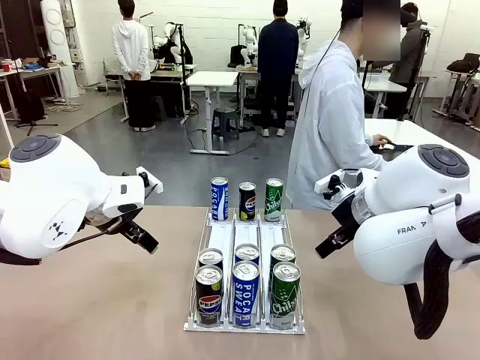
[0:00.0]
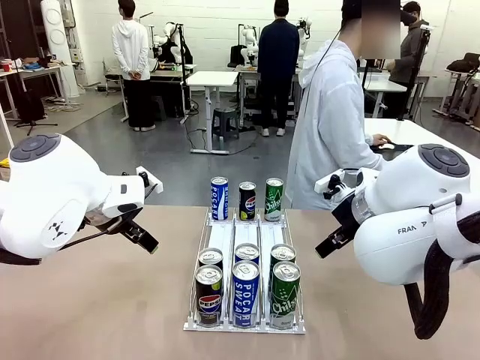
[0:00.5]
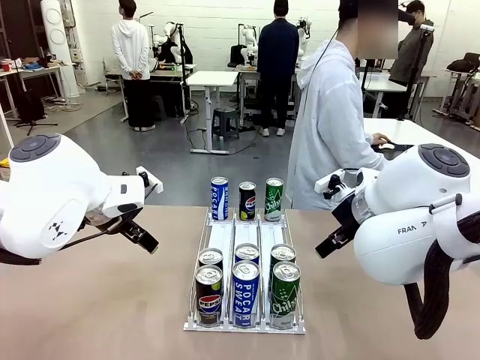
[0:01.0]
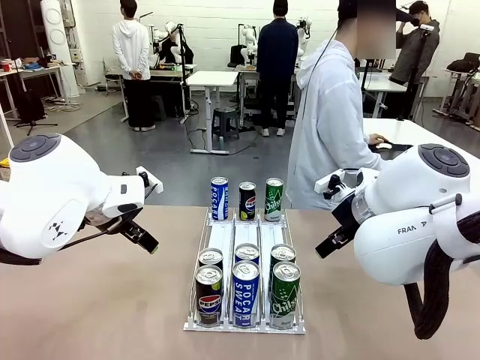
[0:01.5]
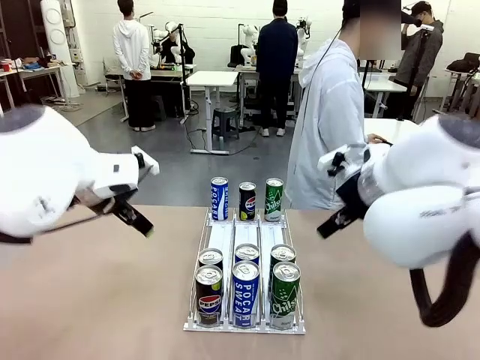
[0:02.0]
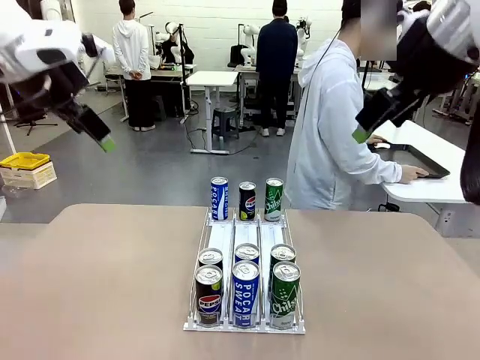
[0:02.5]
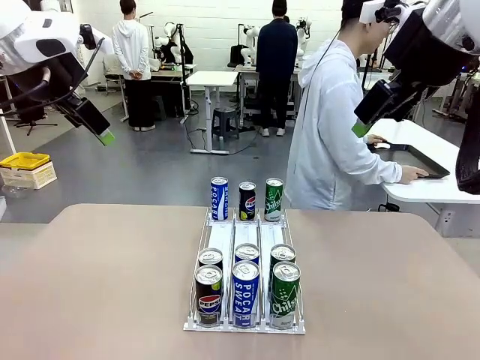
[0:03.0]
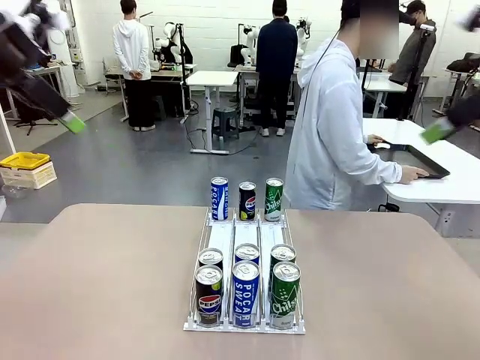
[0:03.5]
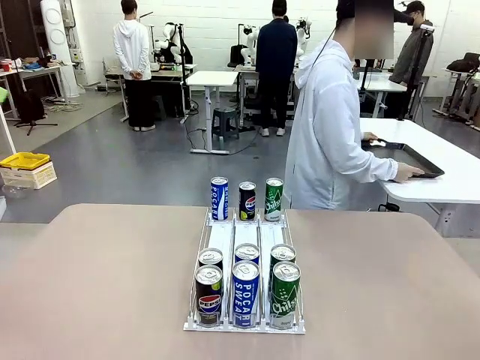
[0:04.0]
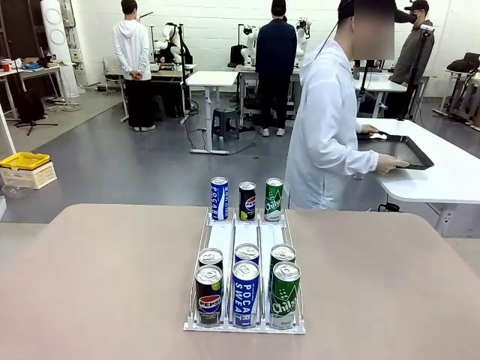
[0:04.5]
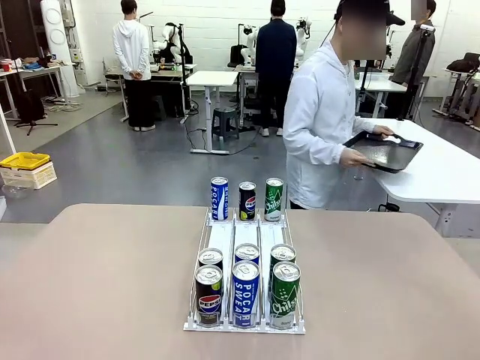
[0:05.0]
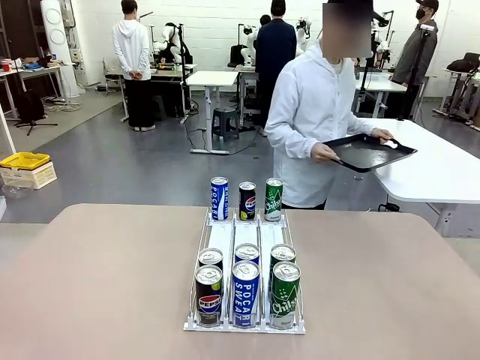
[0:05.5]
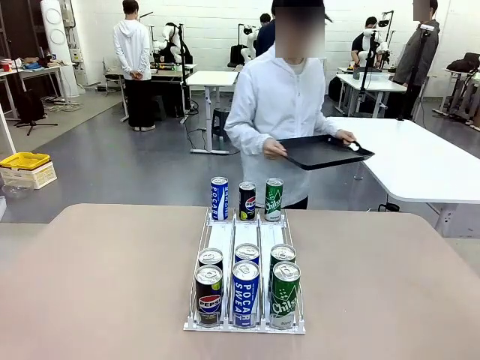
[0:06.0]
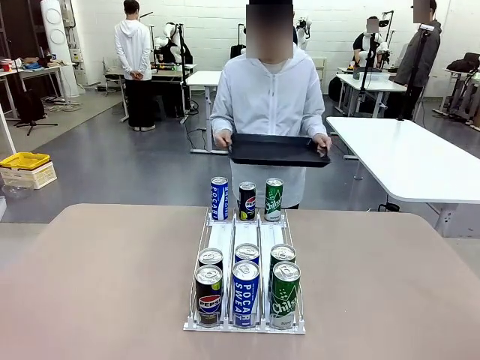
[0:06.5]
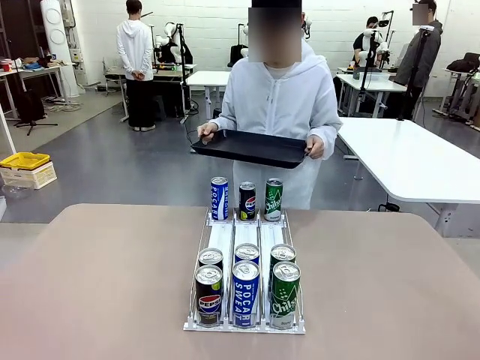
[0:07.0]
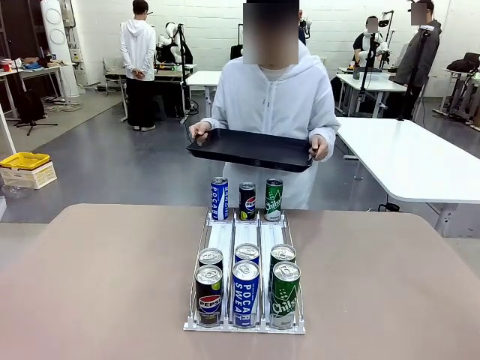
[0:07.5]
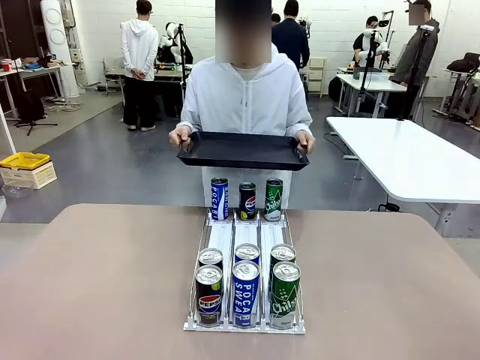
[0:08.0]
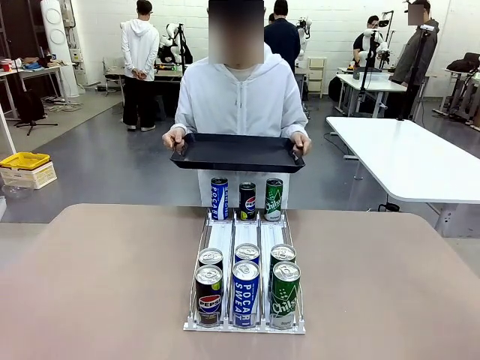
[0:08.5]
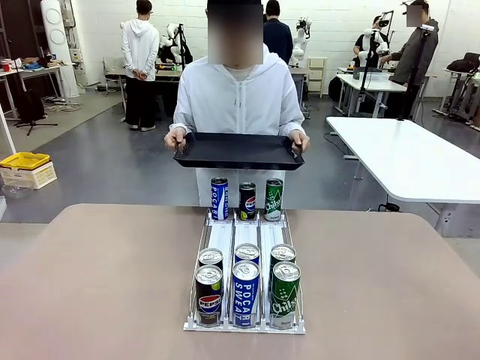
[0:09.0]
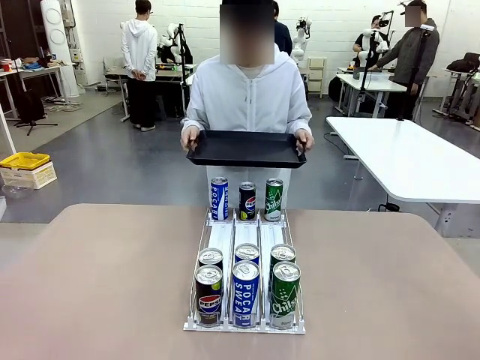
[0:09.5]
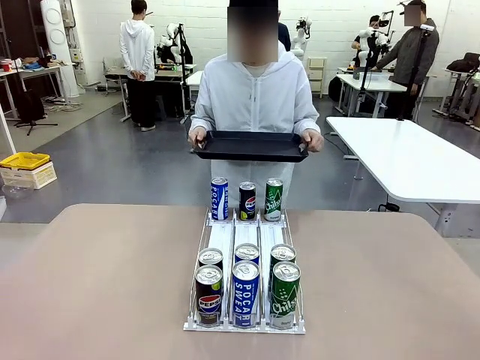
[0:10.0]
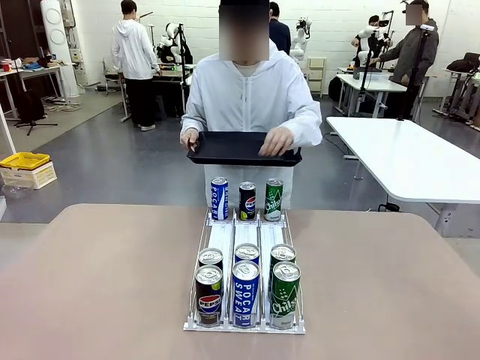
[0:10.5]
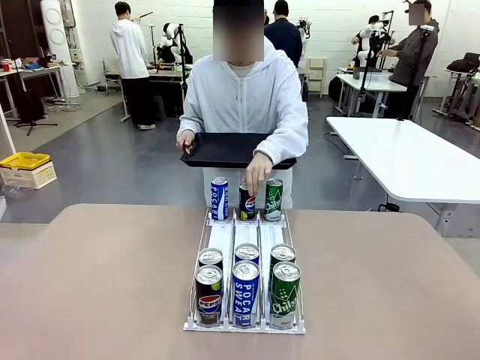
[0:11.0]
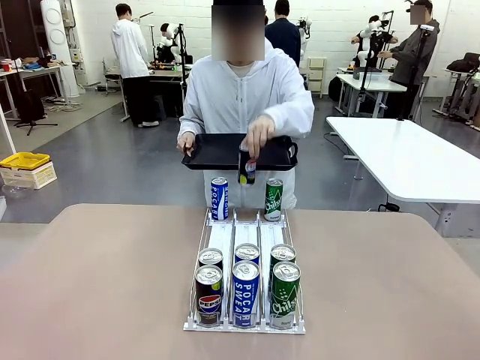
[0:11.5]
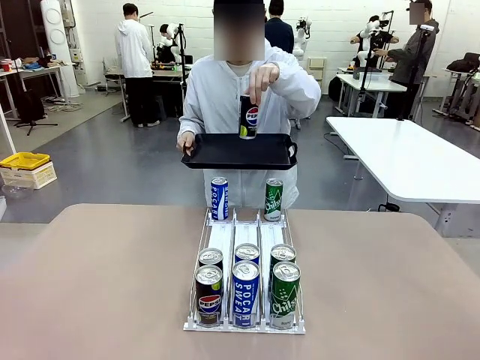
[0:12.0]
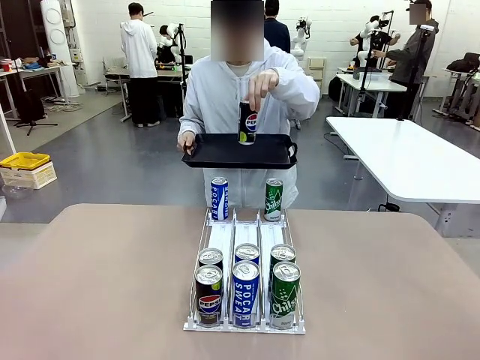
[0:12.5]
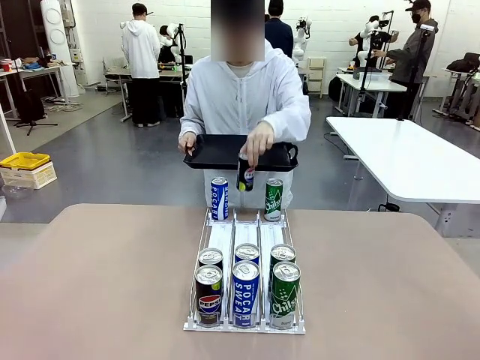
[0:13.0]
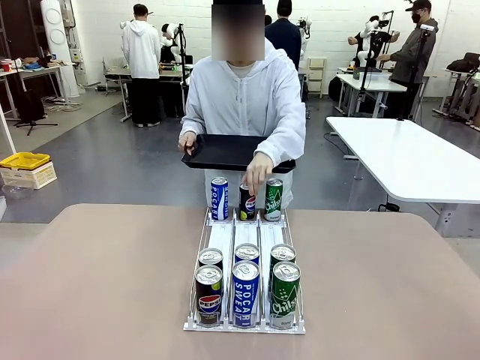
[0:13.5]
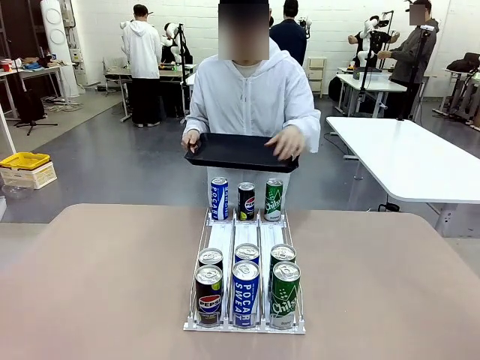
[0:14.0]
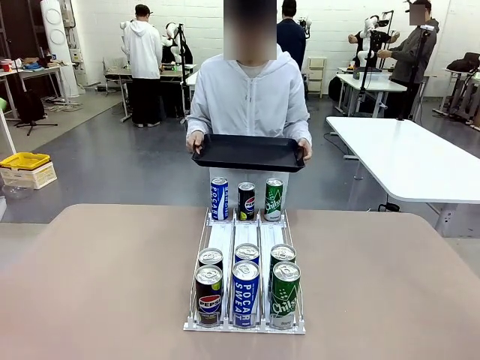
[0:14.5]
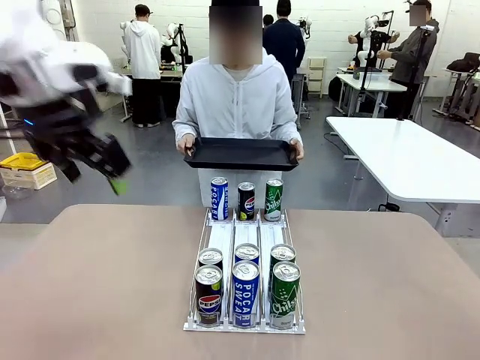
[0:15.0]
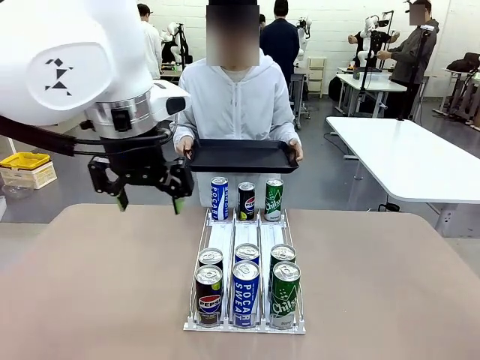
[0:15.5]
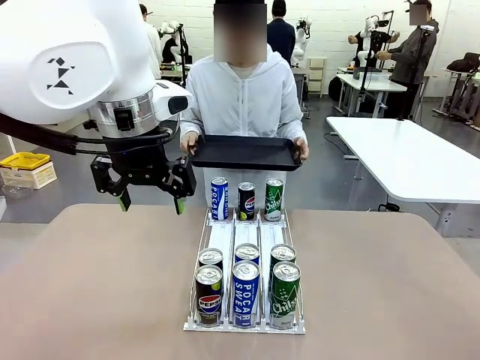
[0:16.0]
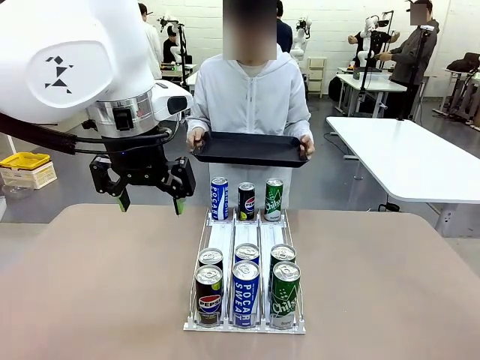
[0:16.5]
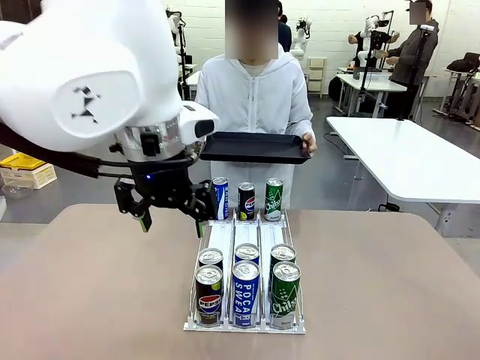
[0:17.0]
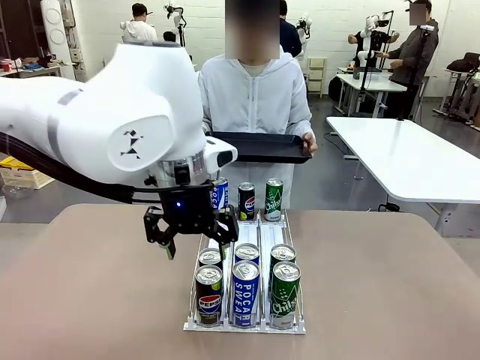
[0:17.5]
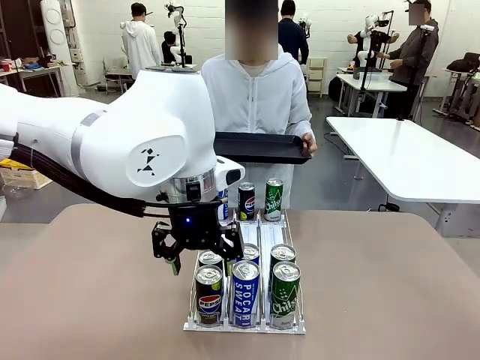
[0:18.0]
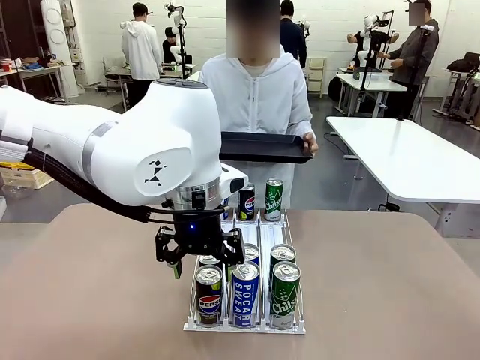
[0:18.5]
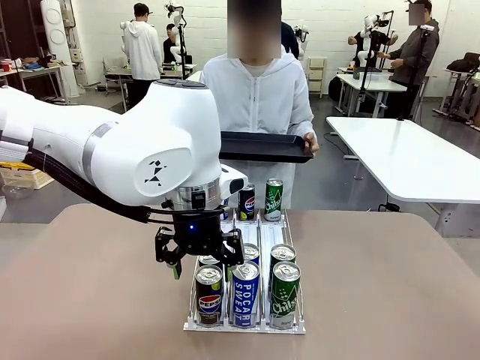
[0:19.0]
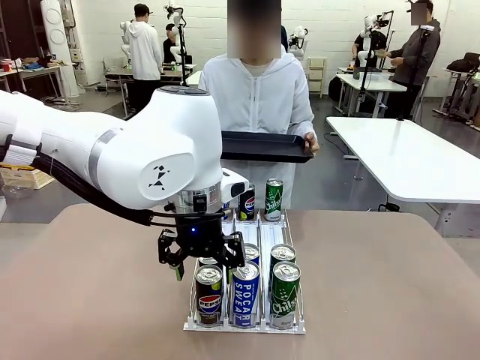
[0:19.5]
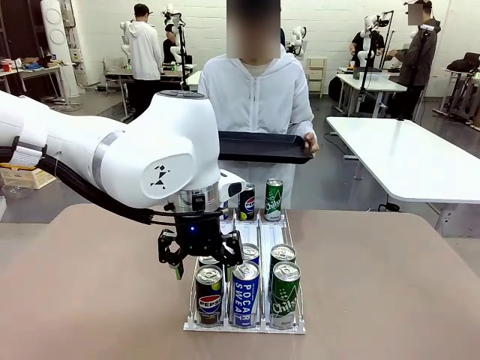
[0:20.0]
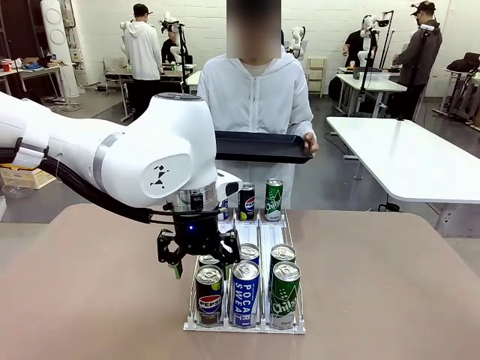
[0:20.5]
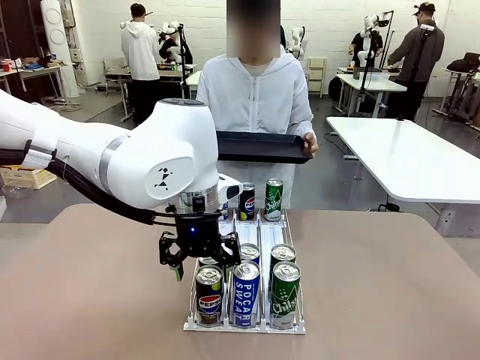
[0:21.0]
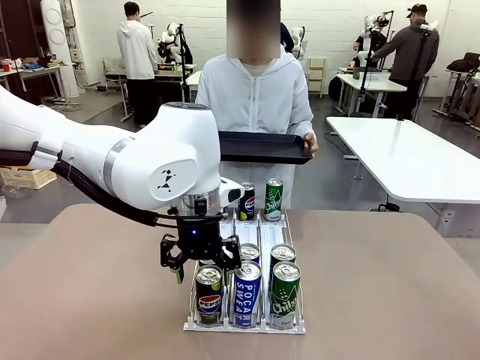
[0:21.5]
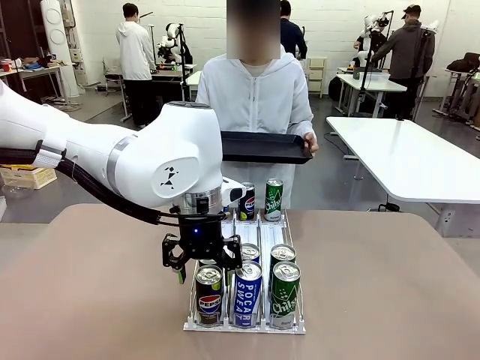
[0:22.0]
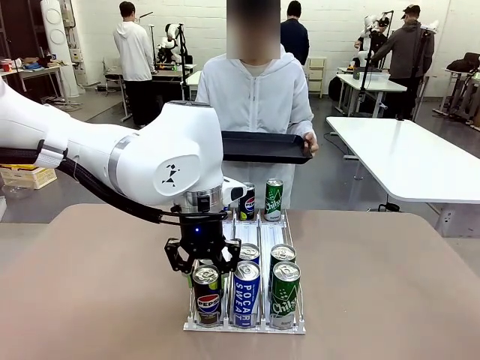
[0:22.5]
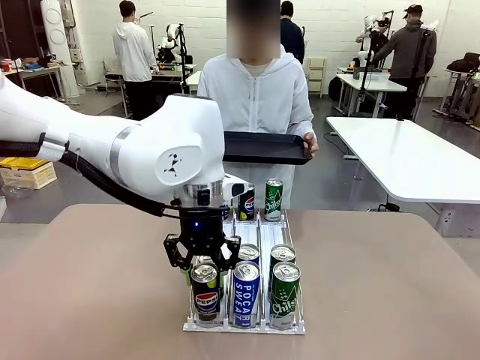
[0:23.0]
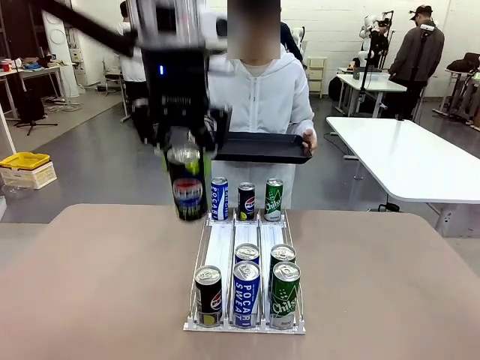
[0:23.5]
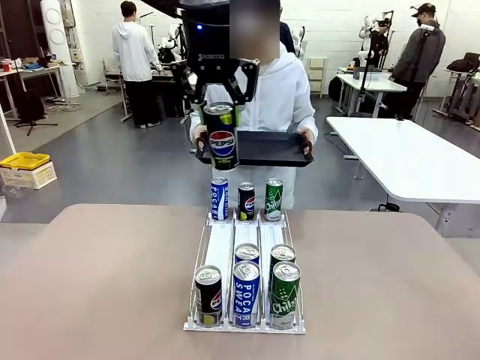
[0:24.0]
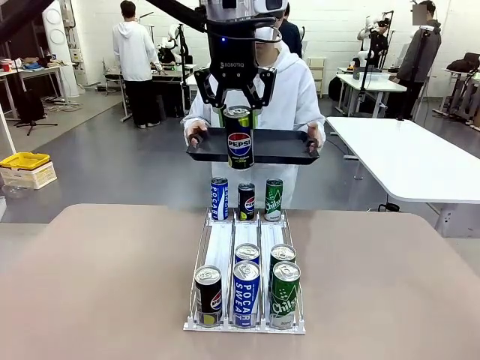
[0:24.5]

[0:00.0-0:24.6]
Task: Retrieve and hand over the desired beverage to the person.
Robot: Pick up a can of the same type that the person held from the Automatic Can Dispenser.
Person: Hold the tray and position yourself in front of the robot table. Pick up one can from the bottom area of the table and puts it back in its original place. Push the tray toward the robot.
